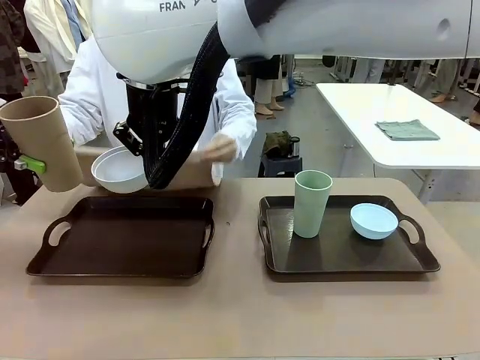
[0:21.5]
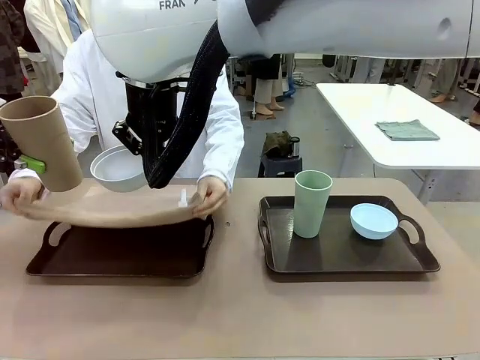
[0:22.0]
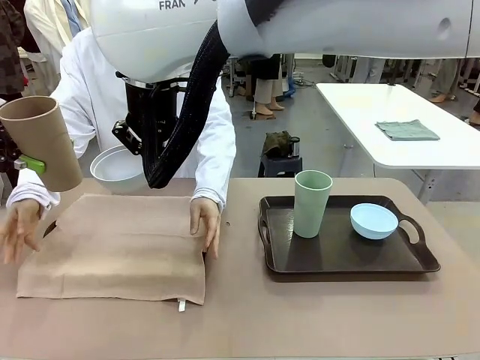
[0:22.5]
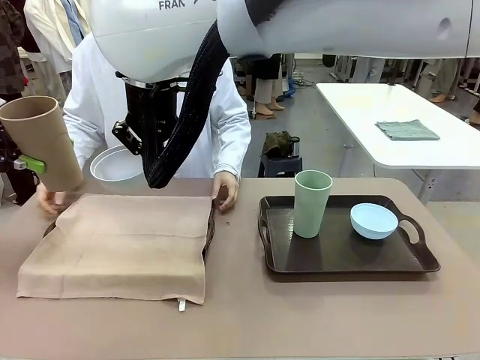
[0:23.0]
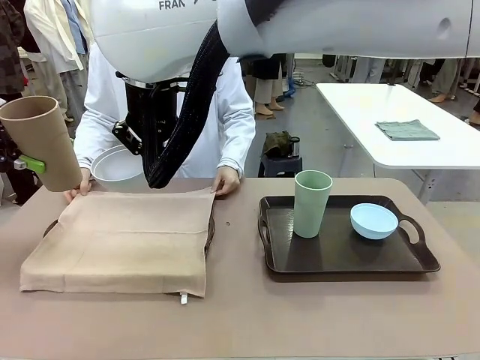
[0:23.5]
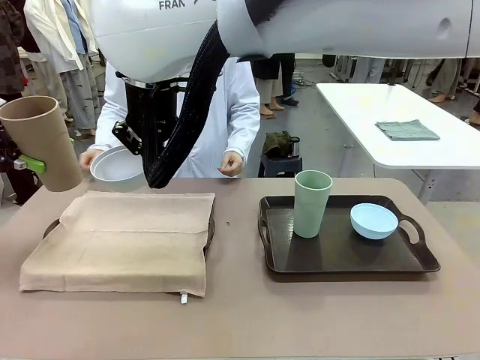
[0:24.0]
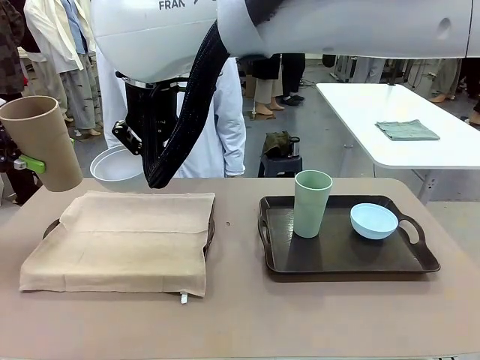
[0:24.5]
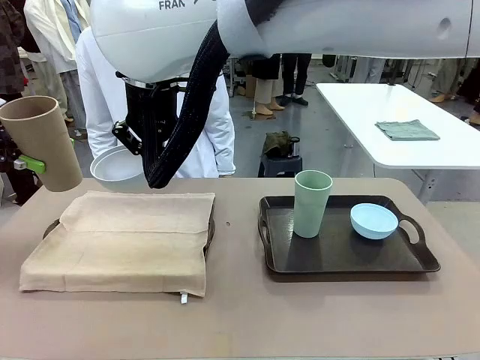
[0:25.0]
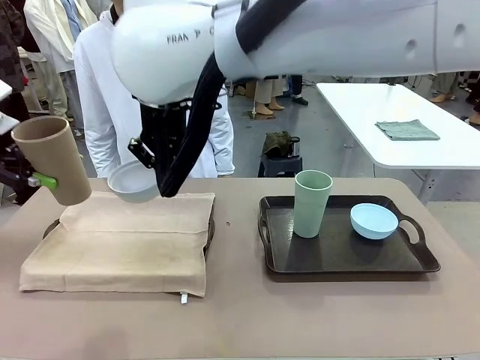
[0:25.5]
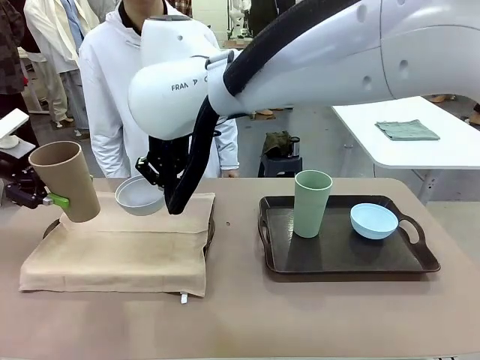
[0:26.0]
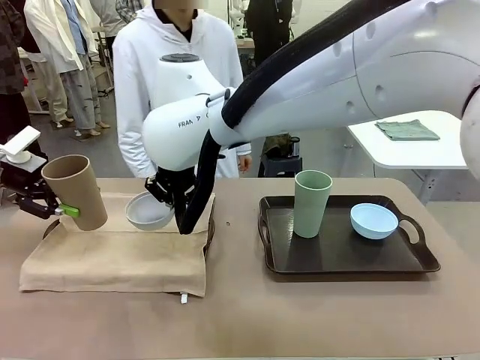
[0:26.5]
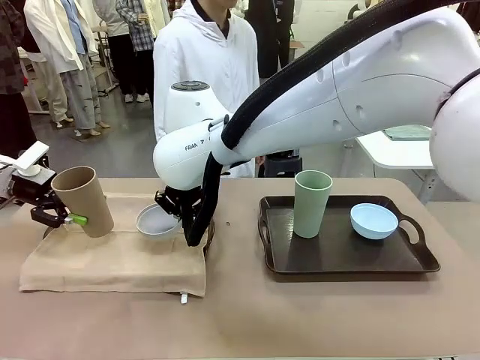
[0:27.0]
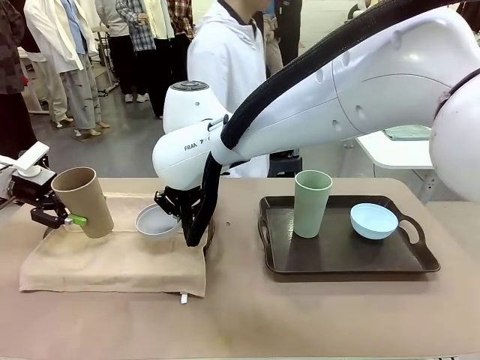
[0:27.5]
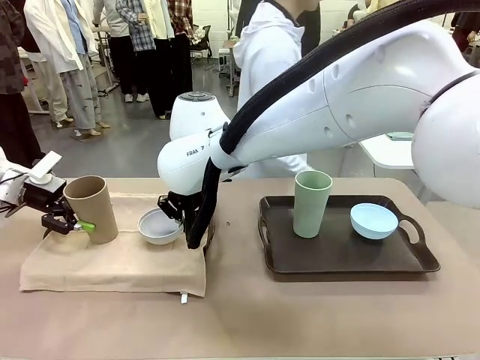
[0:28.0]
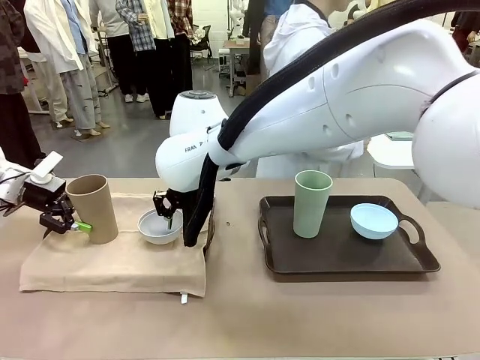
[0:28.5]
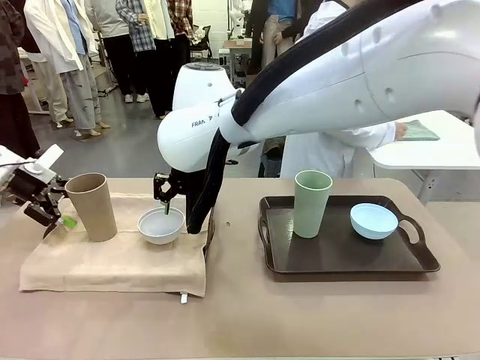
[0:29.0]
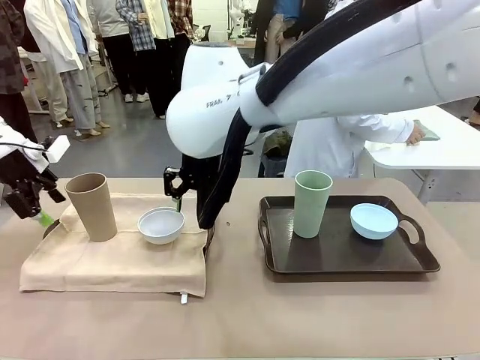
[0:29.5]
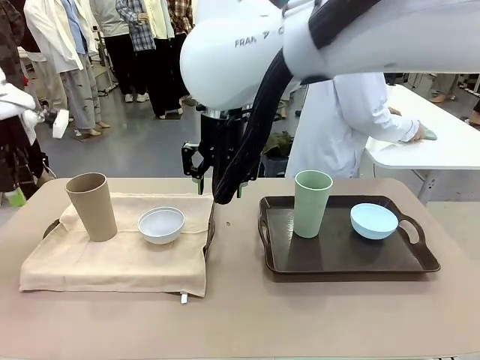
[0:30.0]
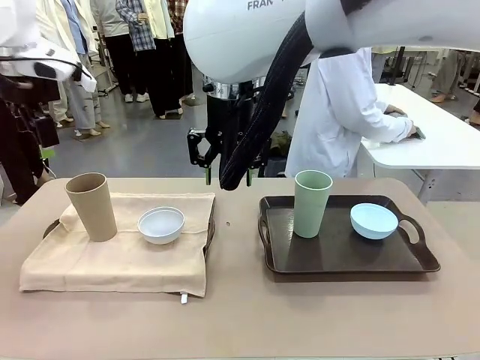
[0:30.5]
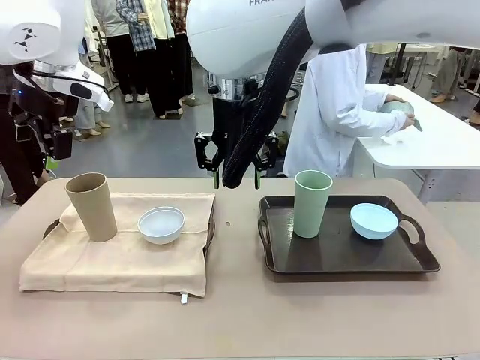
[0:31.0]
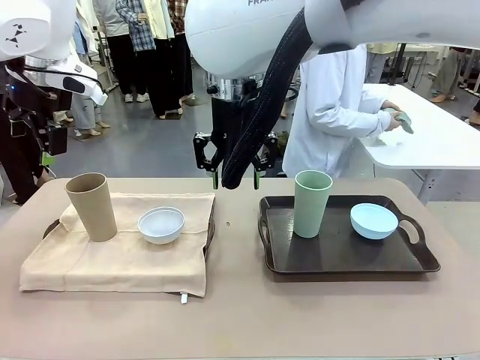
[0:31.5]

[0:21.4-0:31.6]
Robot: Place the Picnic Bowl and Reusable plastic cup back onto the Handle tray in front of the human's position.
Person: The human returns to the human table to pick up another napkin and walks to the robot table to stand in front of the tray without a napkin.

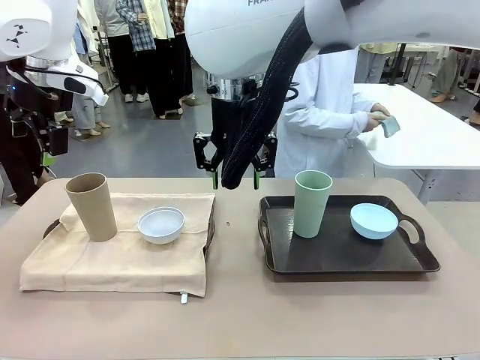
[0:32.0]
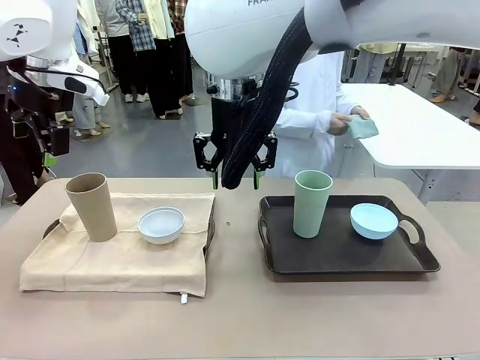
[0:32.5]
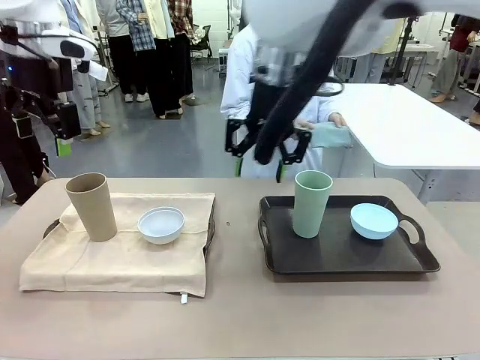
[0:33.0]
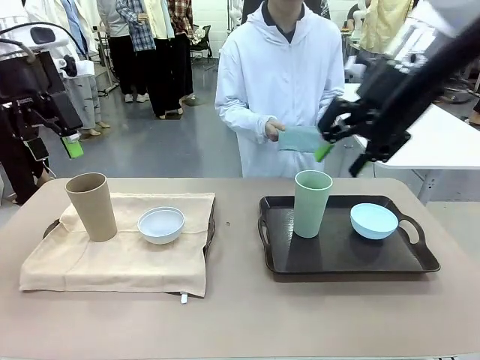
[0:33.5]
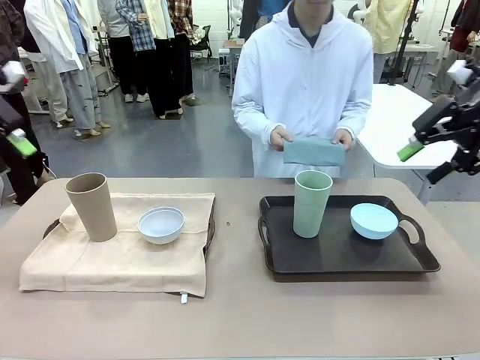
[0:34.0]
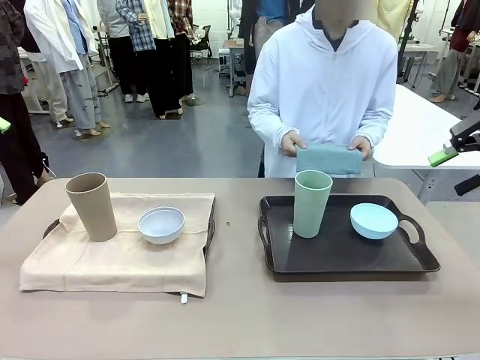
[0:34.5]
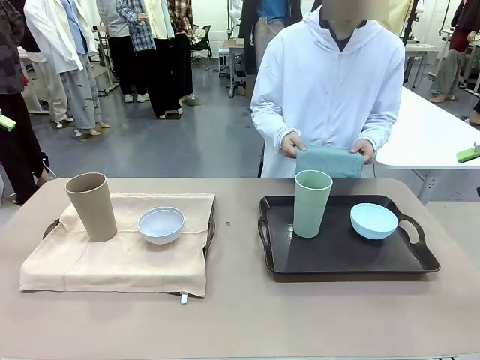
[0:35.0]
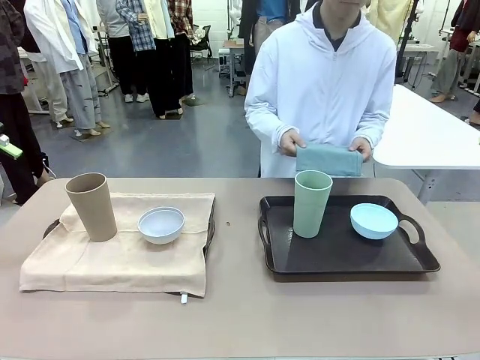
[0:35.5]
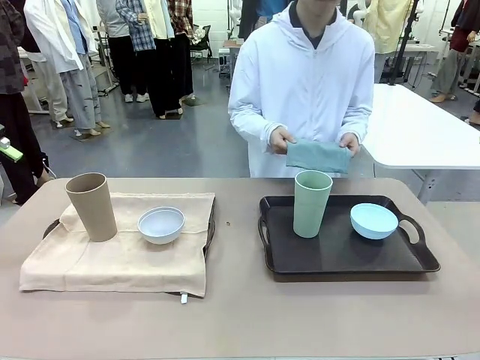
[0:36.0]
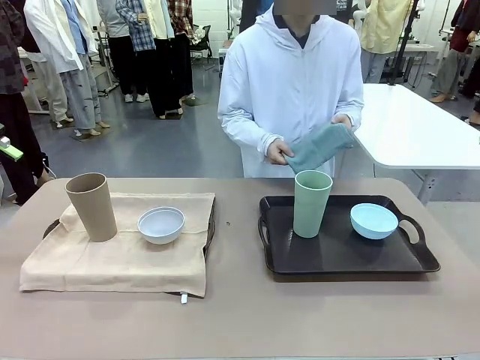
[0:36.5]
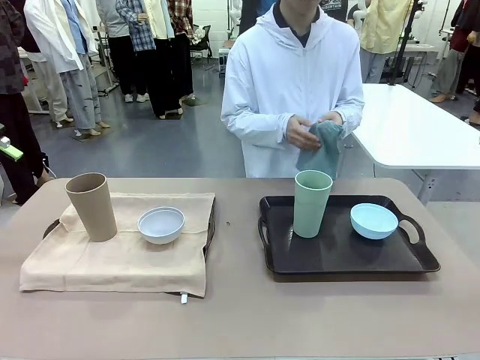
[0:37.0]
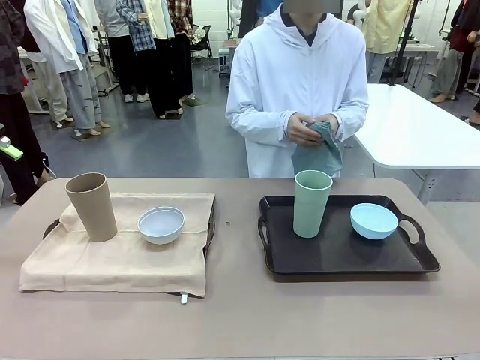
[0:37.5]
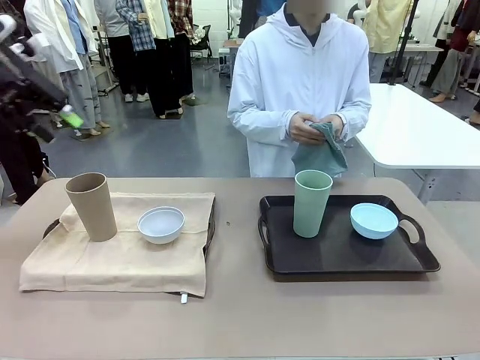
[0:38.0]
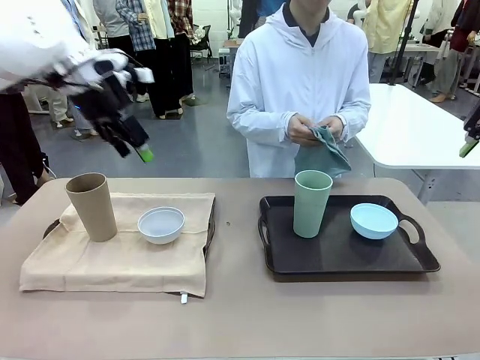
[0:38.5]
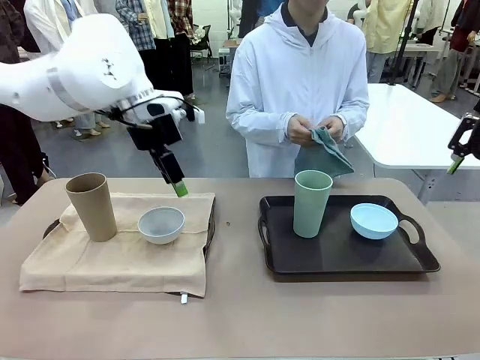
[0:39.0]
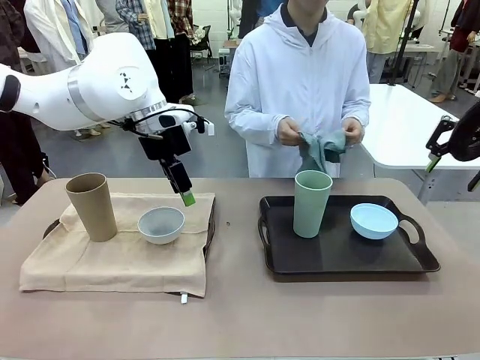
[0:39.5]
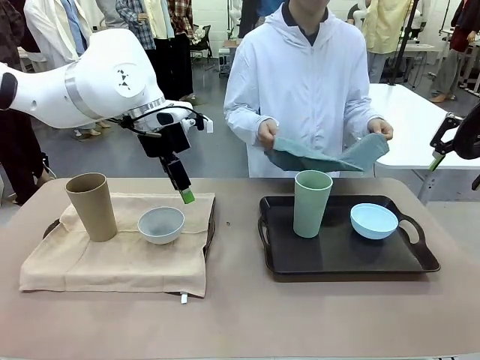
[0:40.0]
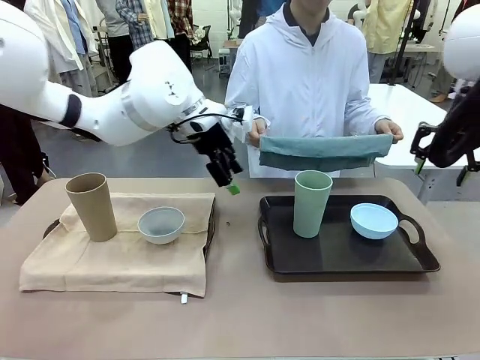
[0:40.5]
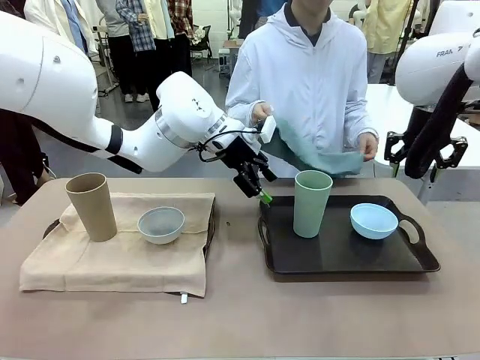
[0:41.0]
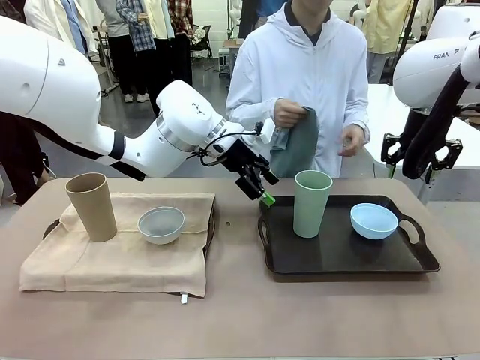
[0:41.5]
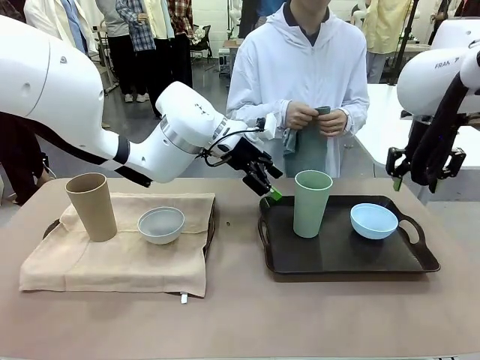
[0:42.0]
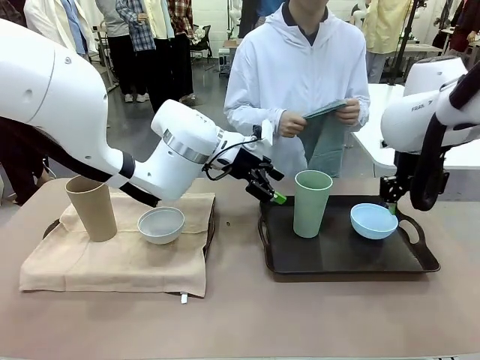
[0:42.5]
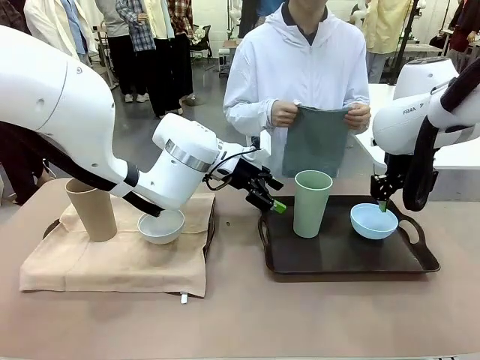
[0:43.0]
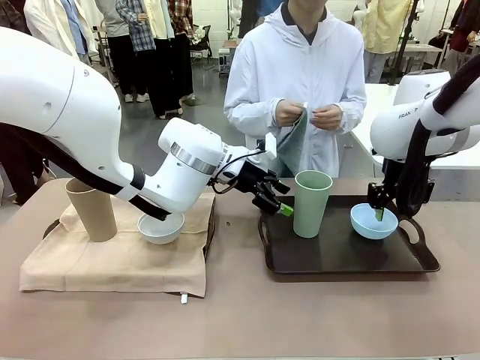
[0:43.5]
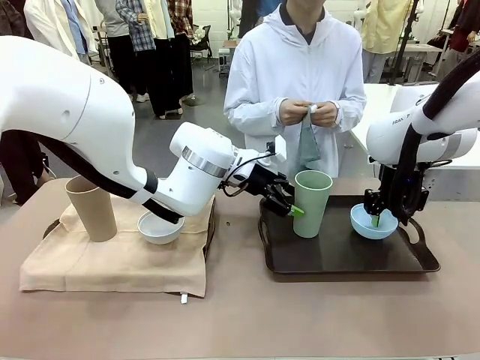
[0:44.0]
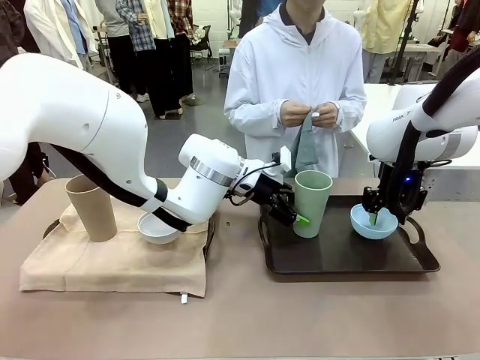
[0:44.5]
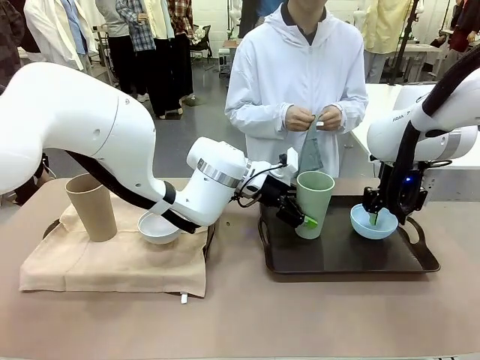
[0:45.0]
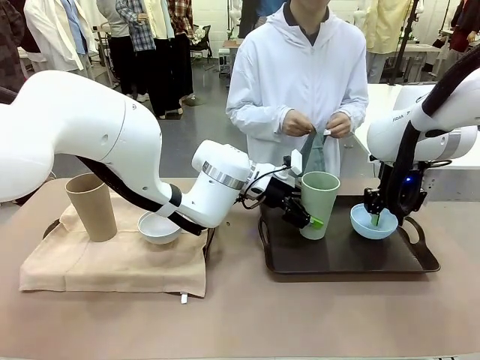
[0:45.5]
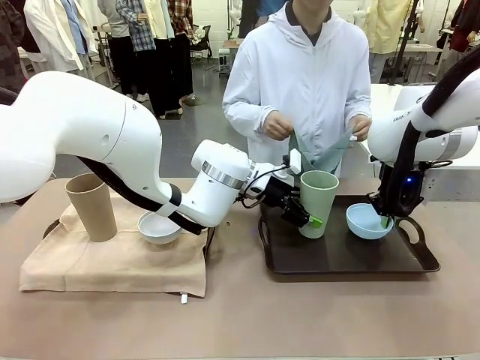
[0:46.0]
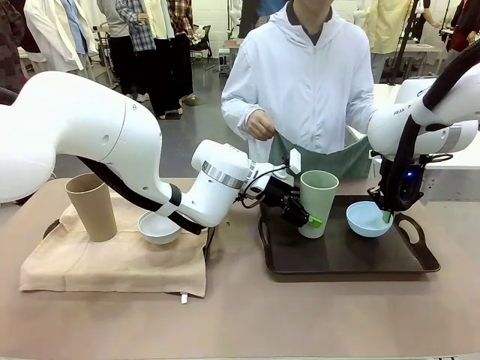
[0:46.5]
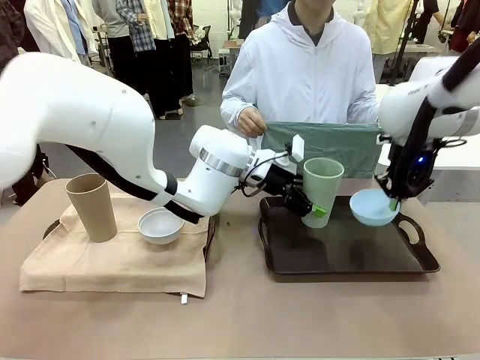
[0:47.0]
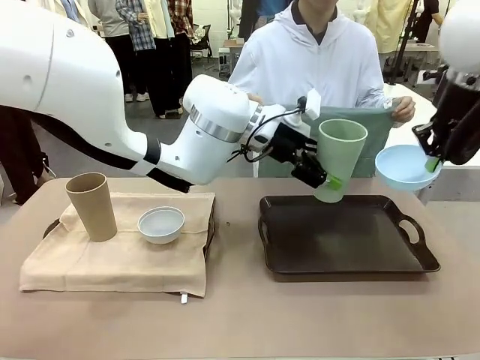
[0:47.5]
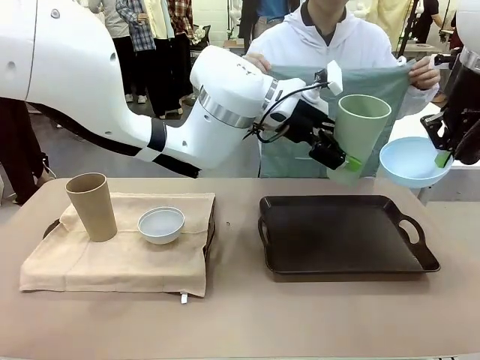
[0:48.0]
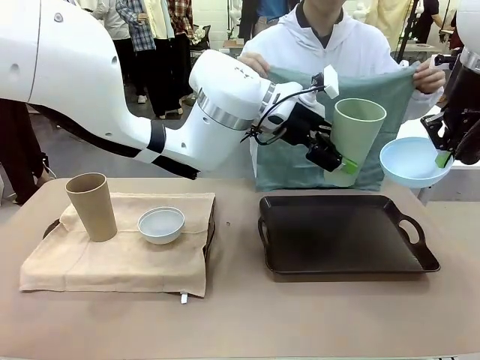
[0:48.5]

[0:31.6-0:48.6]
Robot: Pick up the Picnic Bowl and Reusable plastic cup from the Handle tray in front of the human's position and hold them in the air.
